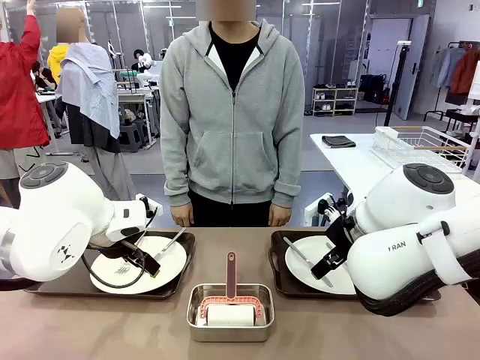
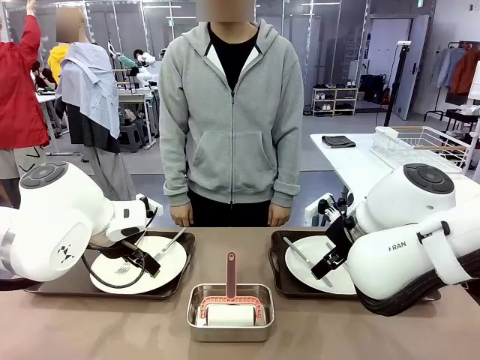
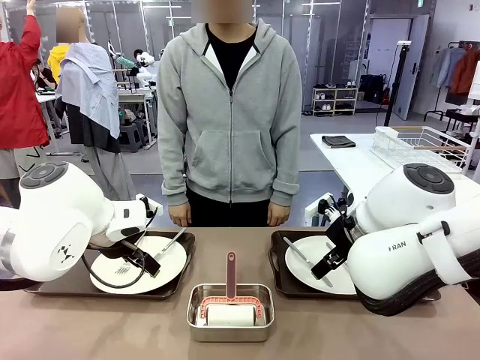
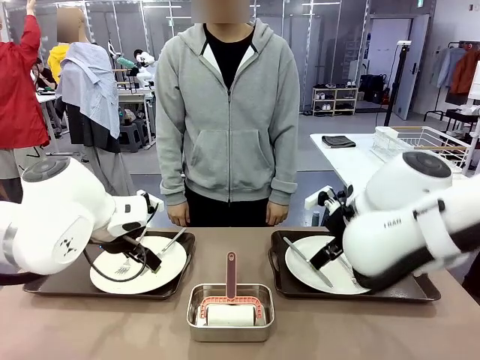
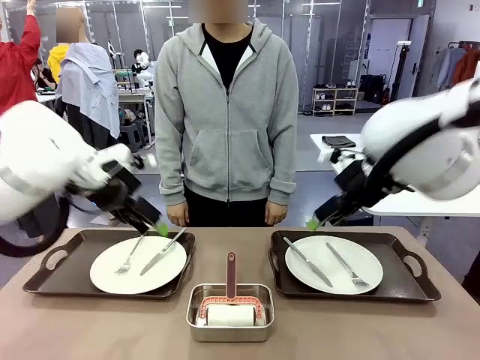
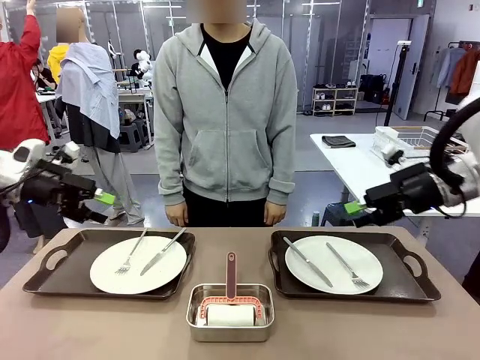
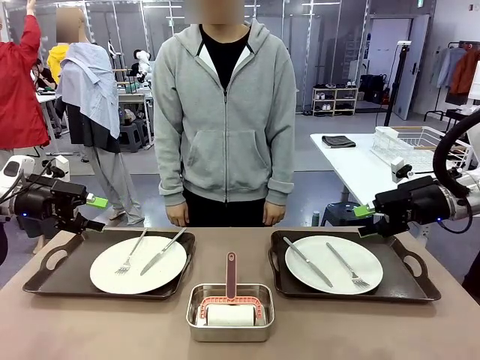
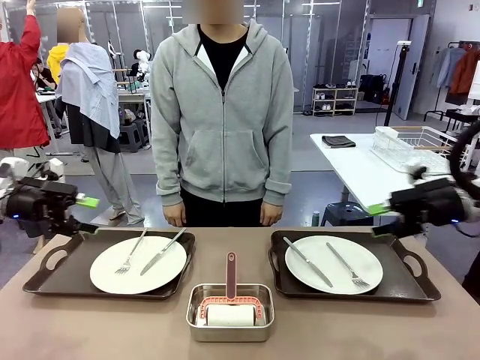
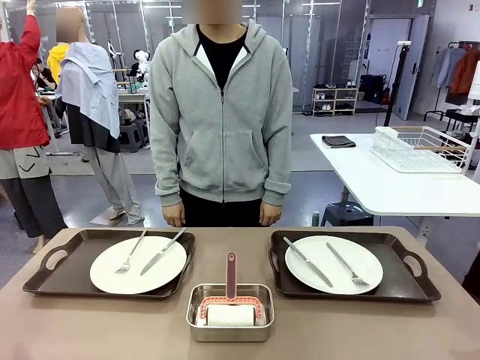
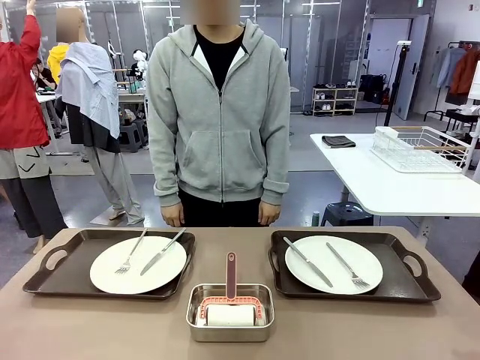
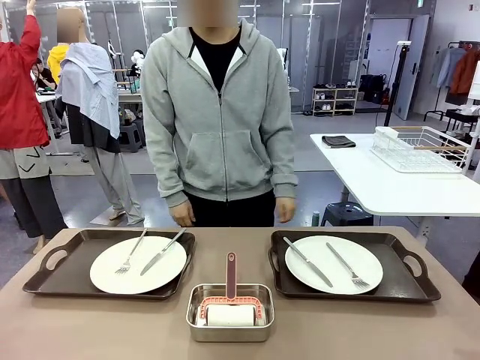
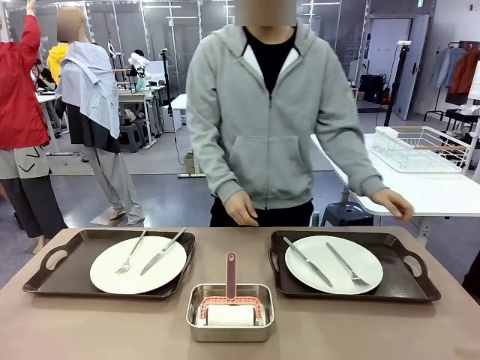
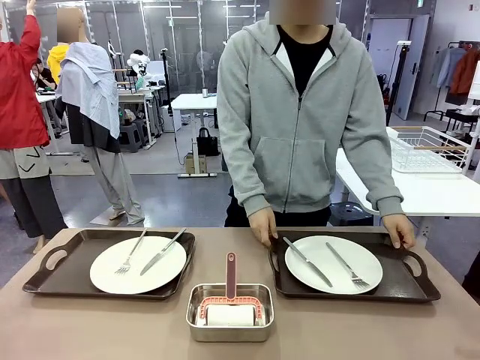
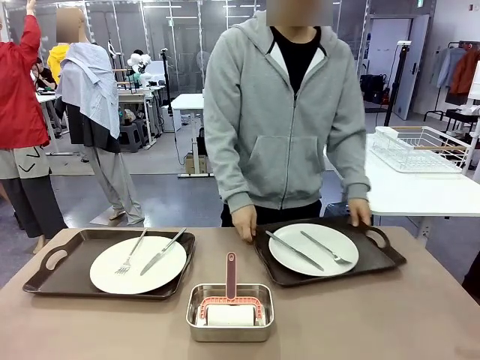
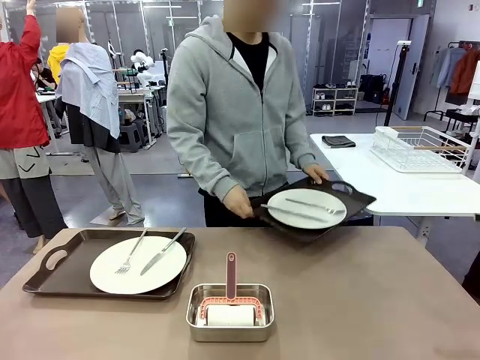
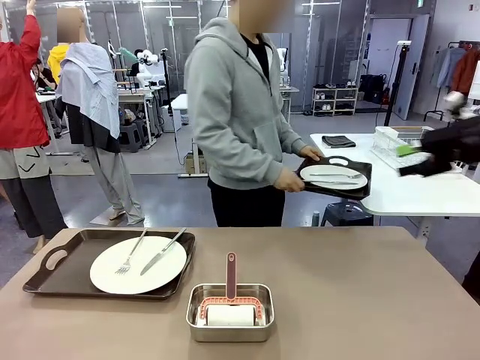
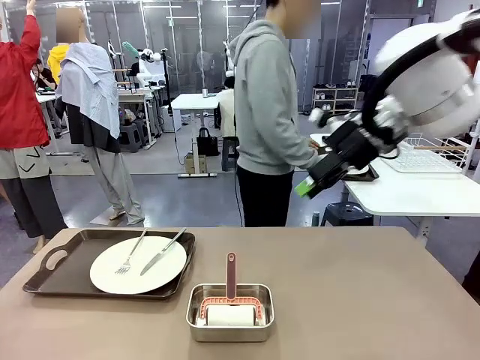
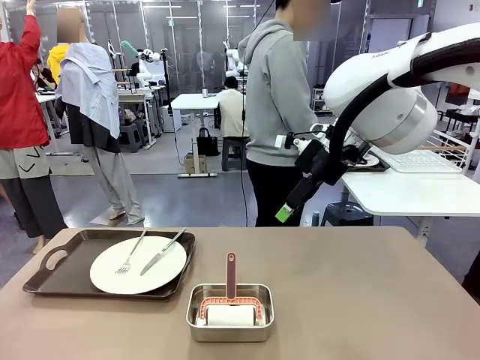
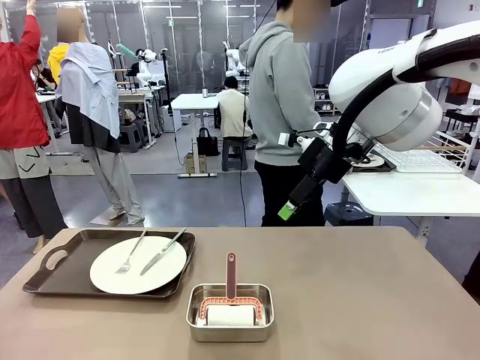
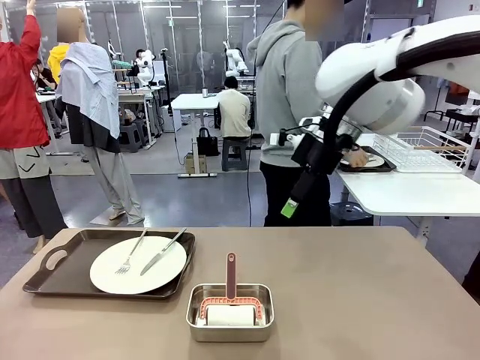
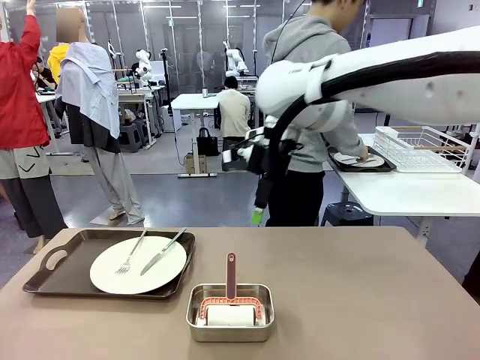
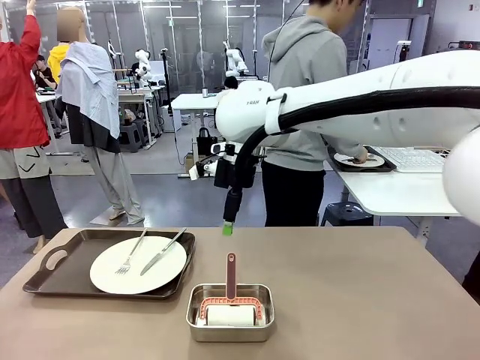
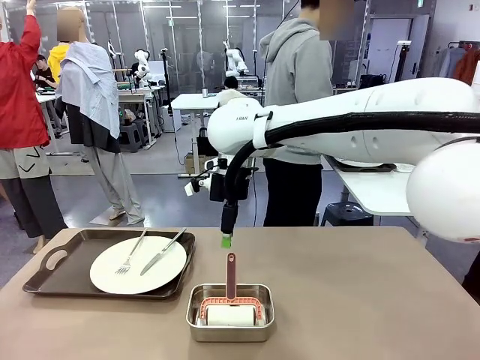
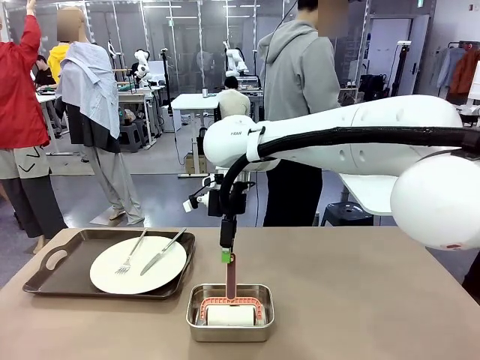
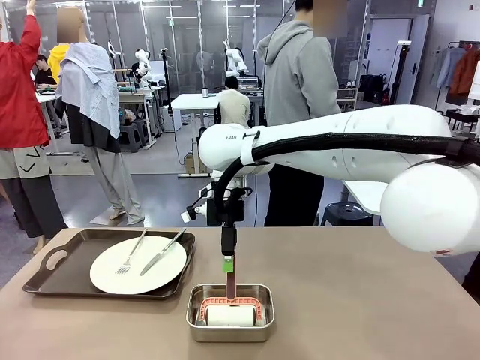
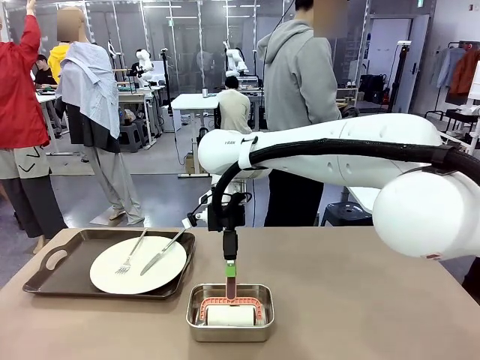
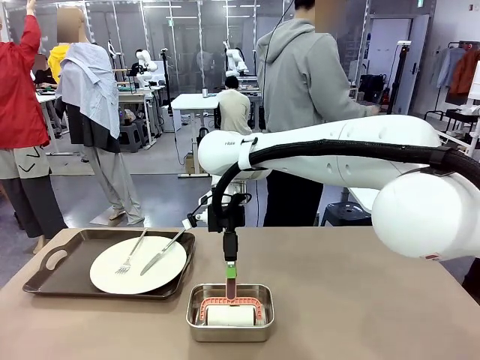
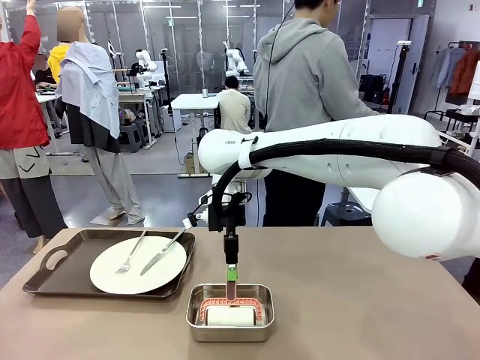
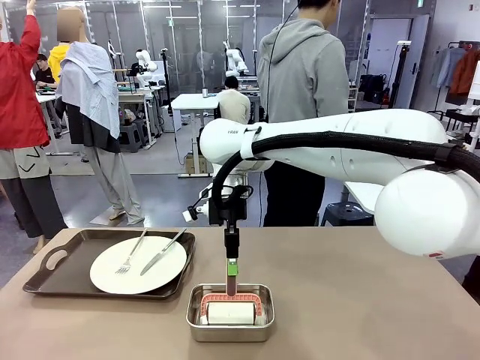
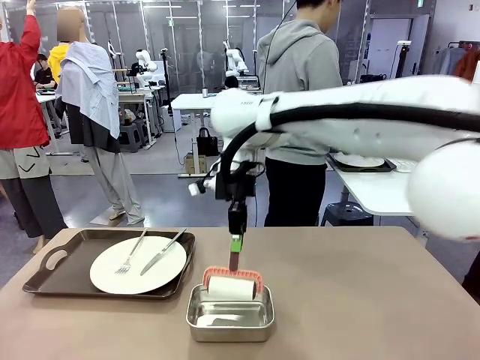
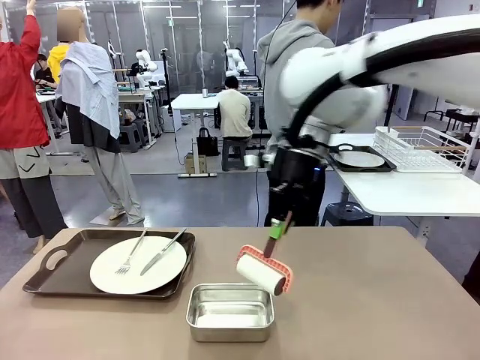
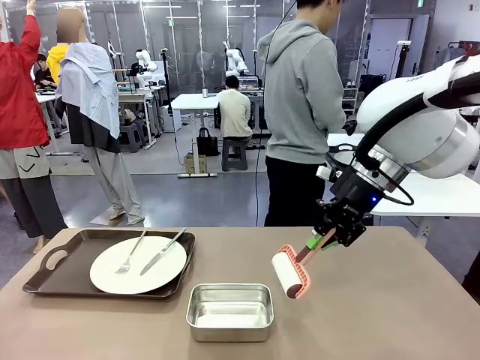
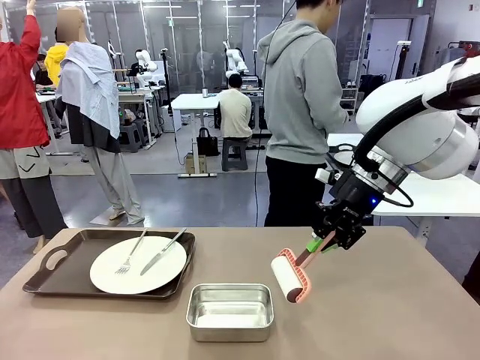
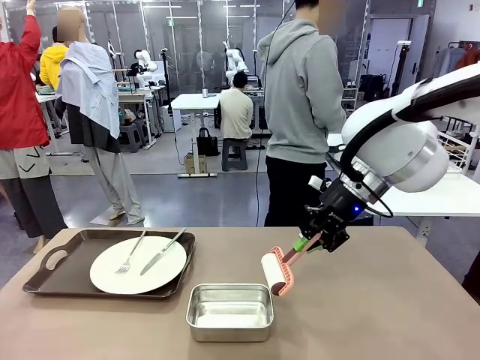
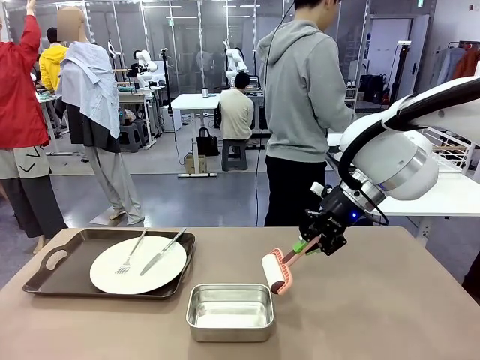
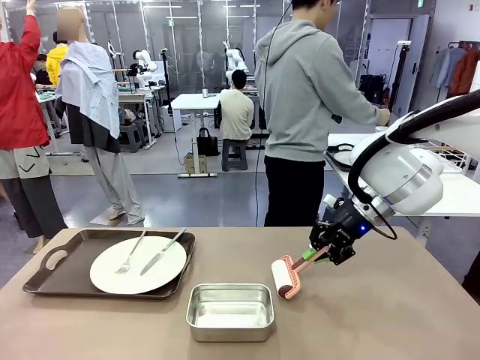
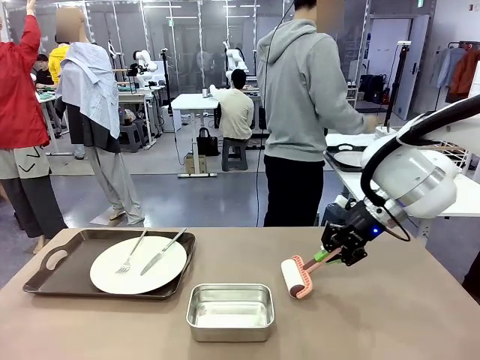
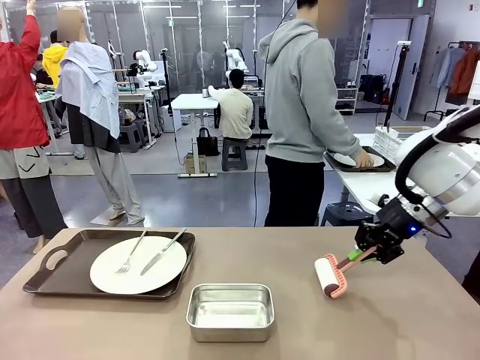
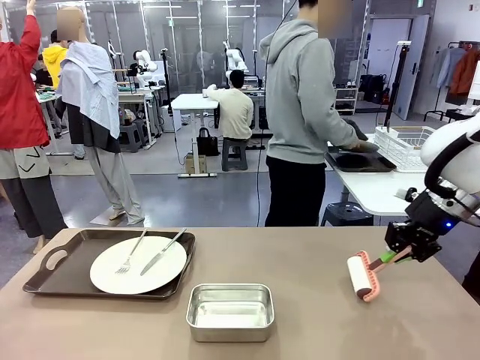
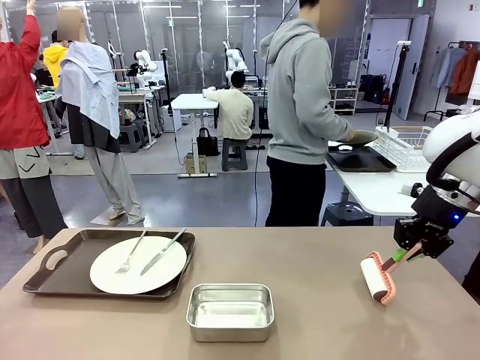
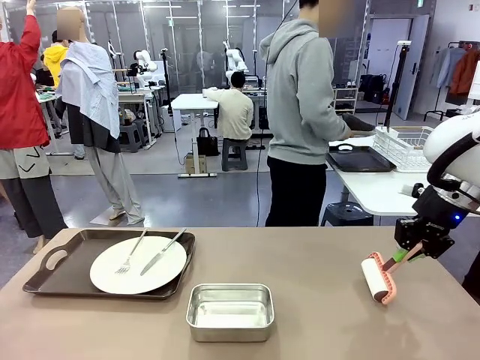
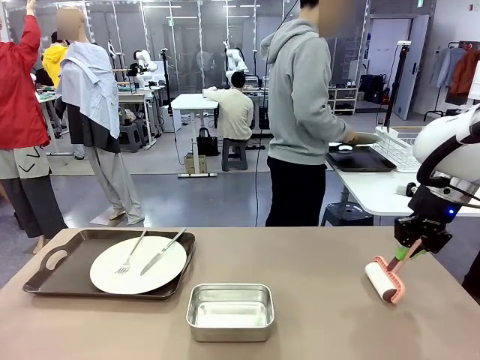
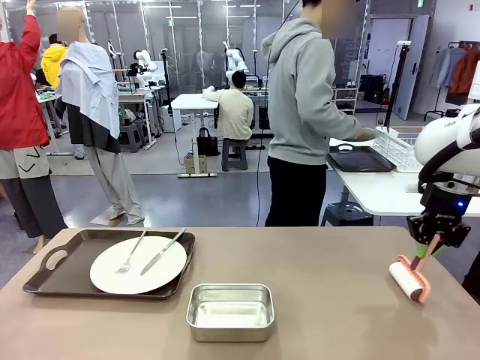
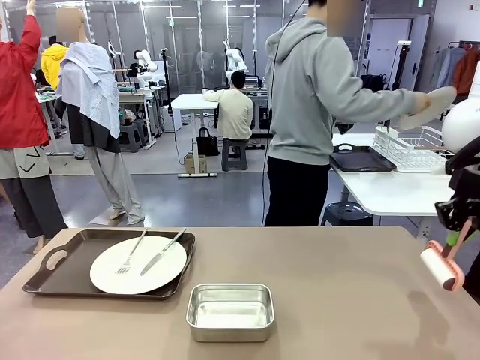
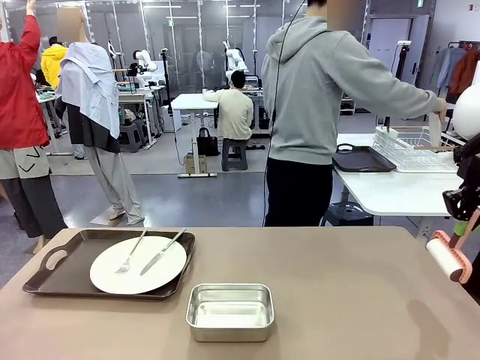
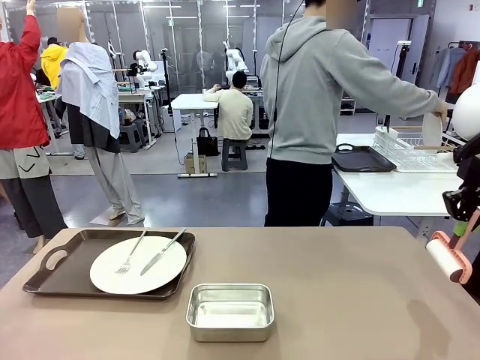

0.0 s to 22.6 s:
Robot: When the left (or right) Handle tray is removed, use the left hand (or right hand) to clean the left (or right) side of the table with the Lint Roller.
Person: Pick up the left (or right) Handle tray and place it on the middle of the Human's table. Use the Towel with hook to wipe the Plastic Matte Plate , Fork , and Knife and place into the Dish drying rack.

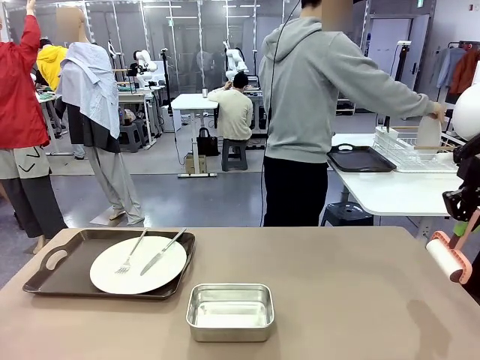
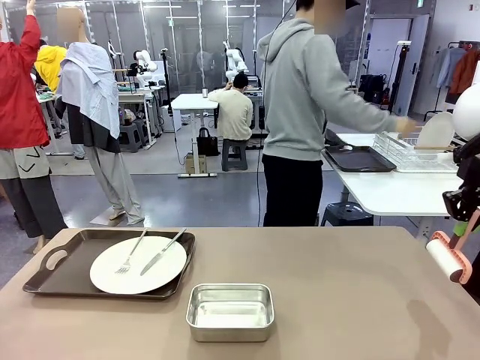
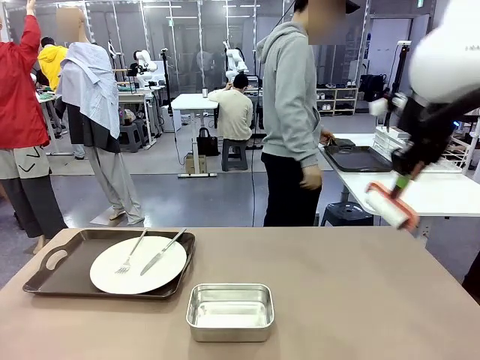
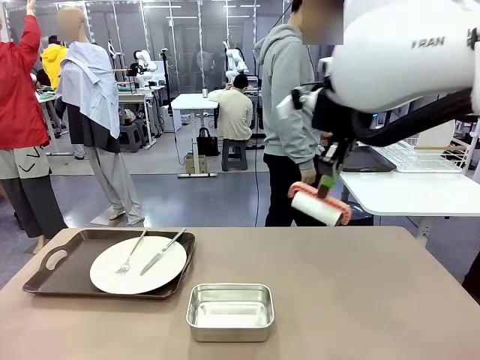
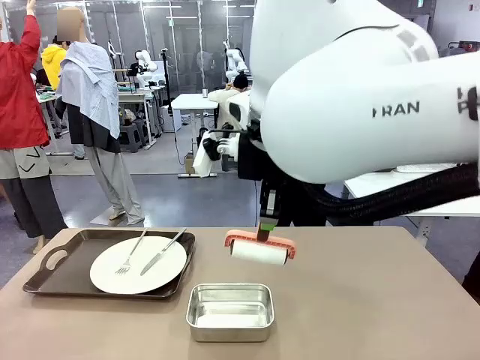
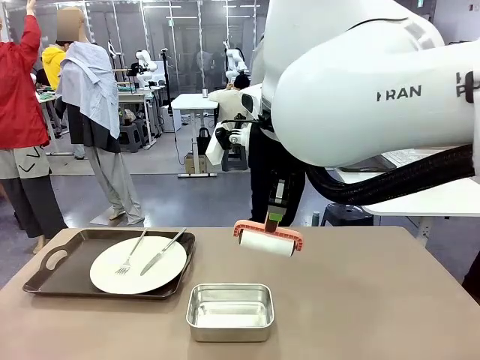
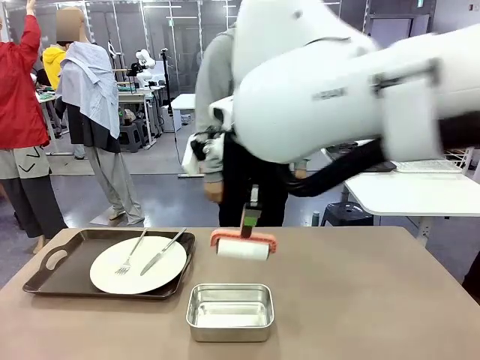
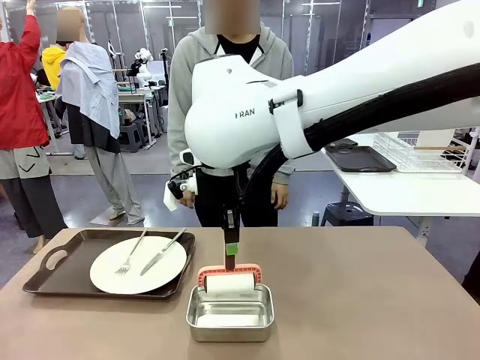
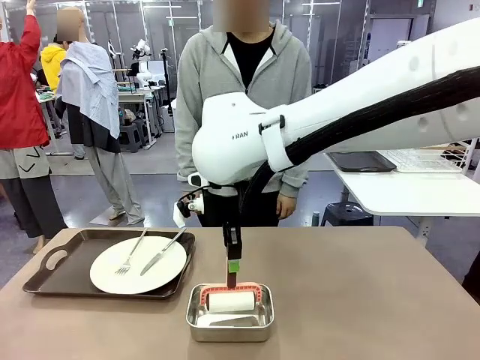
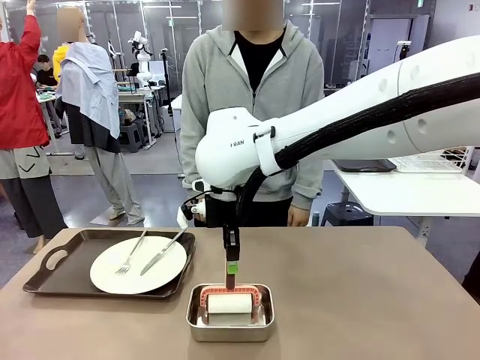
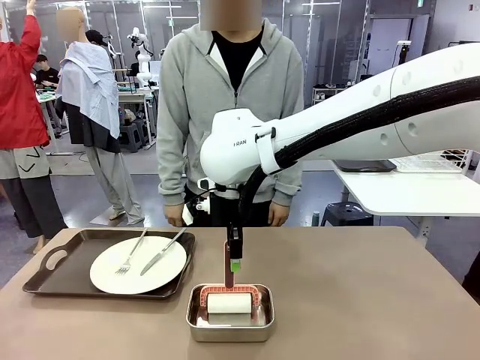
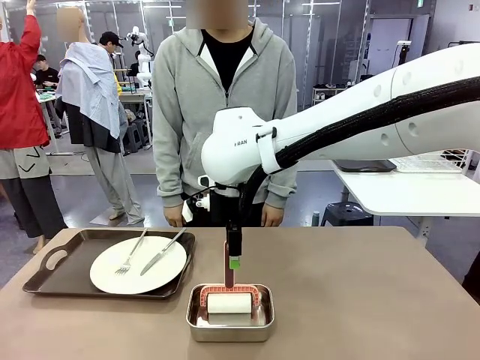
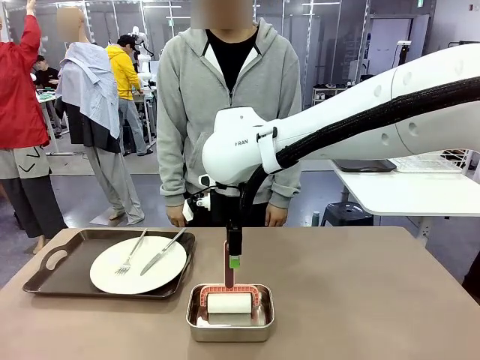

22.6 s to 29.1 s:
Robot: Place the Lint Roller back on top of the Airtight Container.
